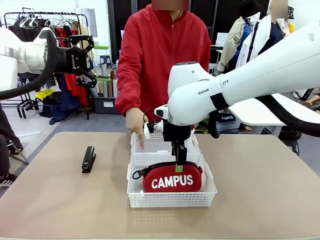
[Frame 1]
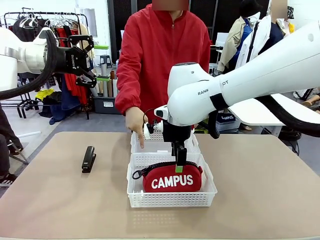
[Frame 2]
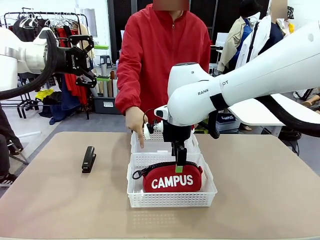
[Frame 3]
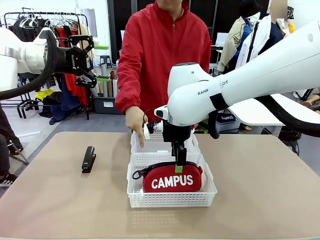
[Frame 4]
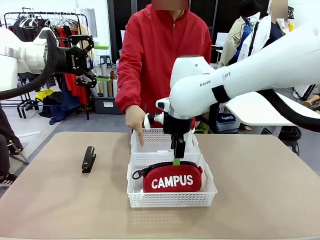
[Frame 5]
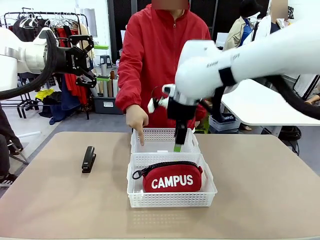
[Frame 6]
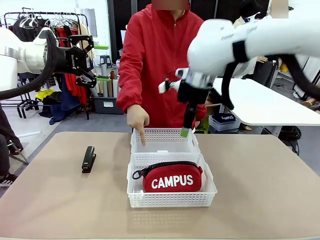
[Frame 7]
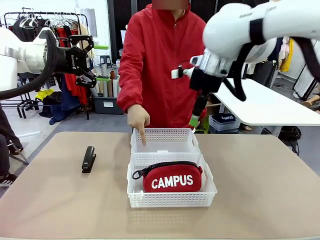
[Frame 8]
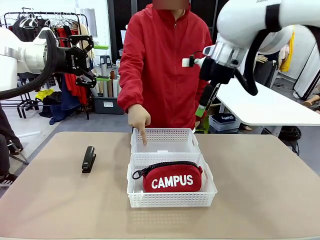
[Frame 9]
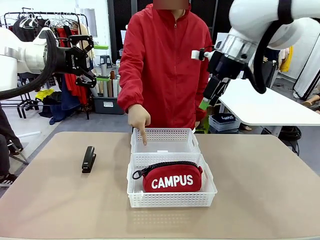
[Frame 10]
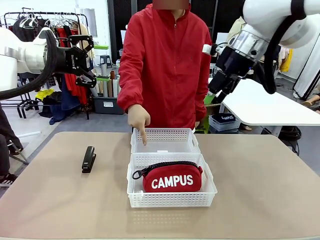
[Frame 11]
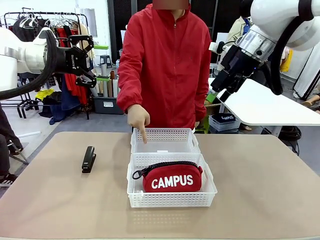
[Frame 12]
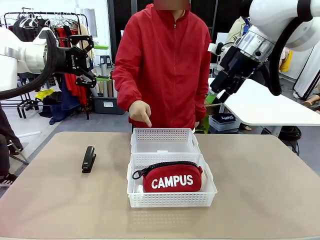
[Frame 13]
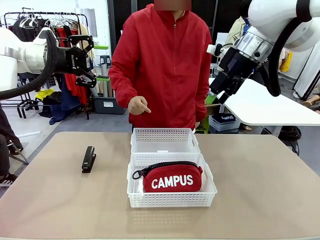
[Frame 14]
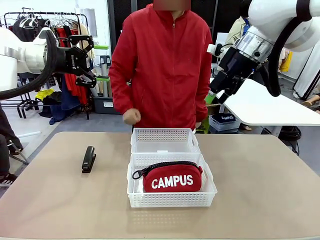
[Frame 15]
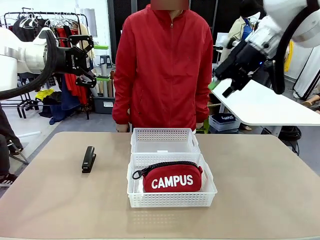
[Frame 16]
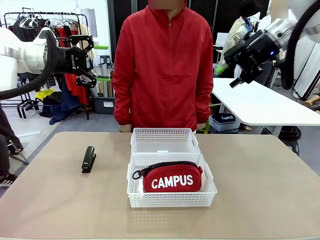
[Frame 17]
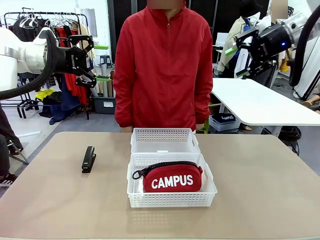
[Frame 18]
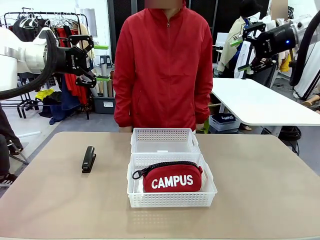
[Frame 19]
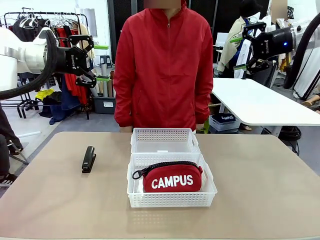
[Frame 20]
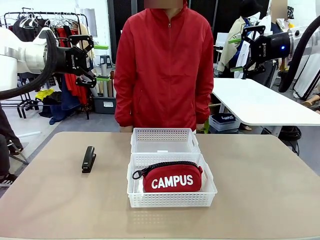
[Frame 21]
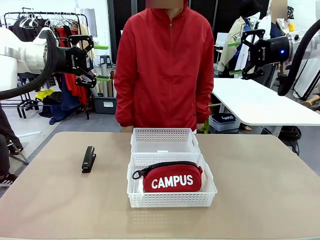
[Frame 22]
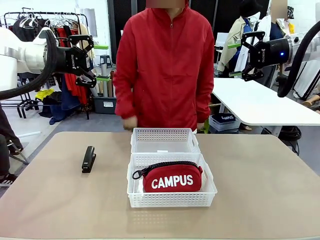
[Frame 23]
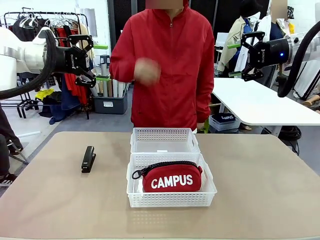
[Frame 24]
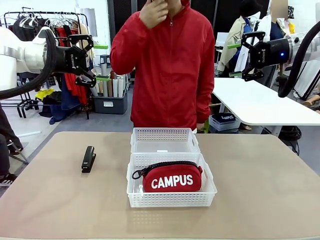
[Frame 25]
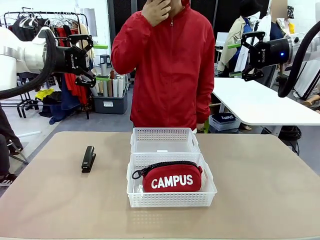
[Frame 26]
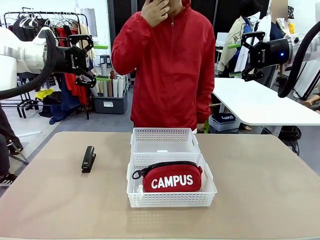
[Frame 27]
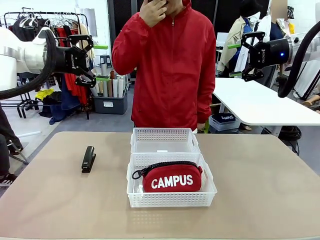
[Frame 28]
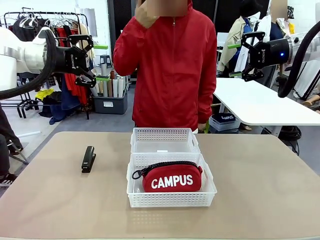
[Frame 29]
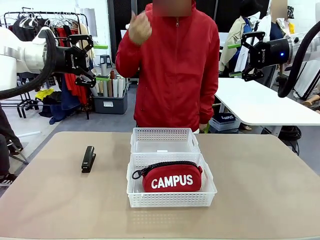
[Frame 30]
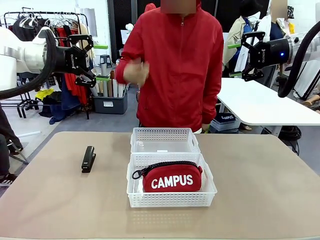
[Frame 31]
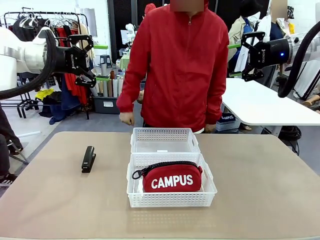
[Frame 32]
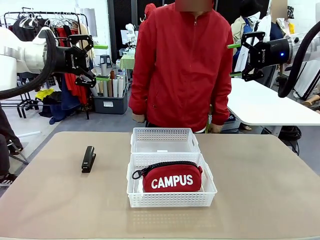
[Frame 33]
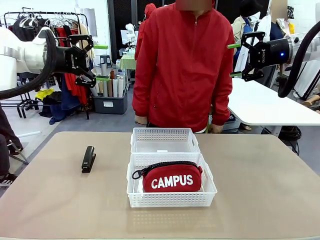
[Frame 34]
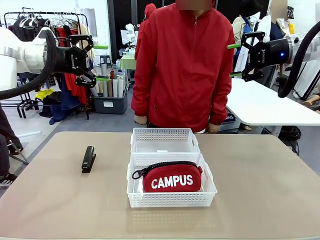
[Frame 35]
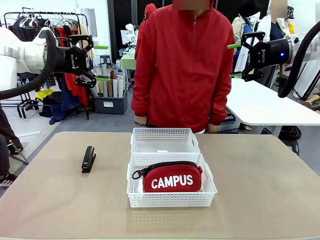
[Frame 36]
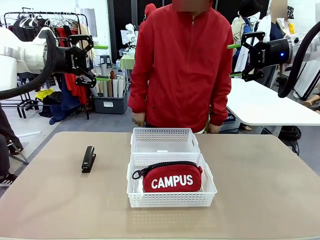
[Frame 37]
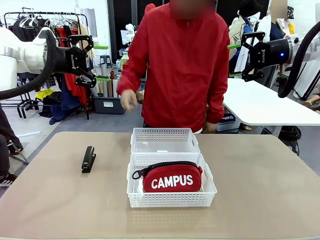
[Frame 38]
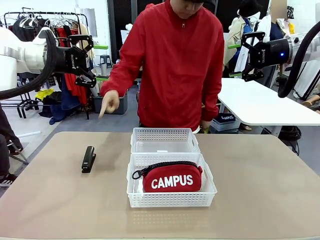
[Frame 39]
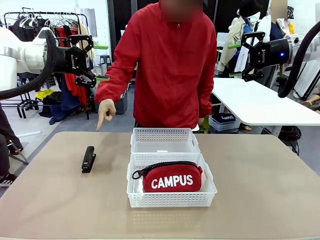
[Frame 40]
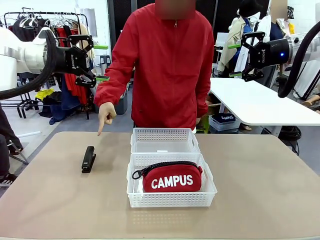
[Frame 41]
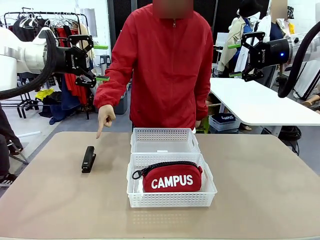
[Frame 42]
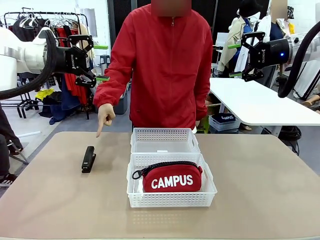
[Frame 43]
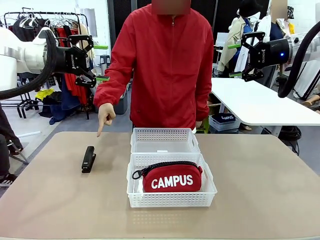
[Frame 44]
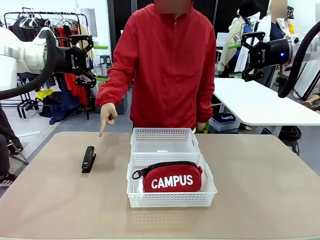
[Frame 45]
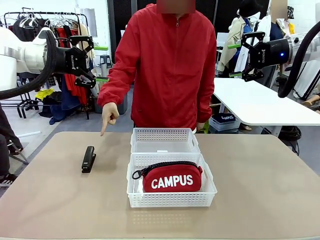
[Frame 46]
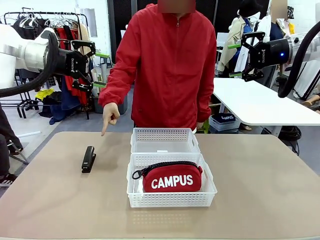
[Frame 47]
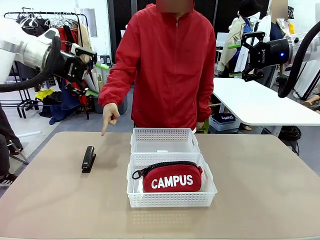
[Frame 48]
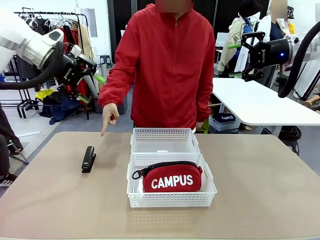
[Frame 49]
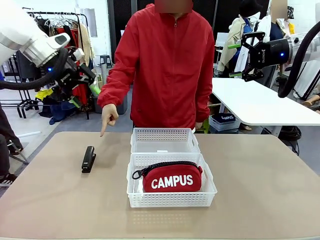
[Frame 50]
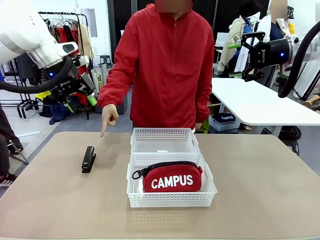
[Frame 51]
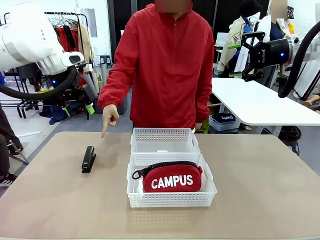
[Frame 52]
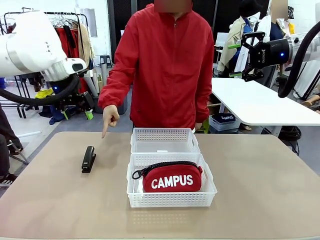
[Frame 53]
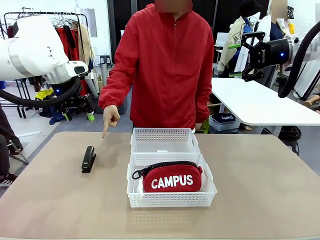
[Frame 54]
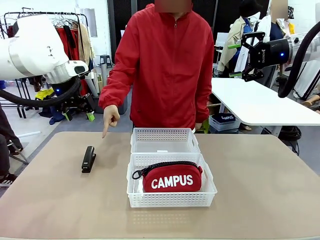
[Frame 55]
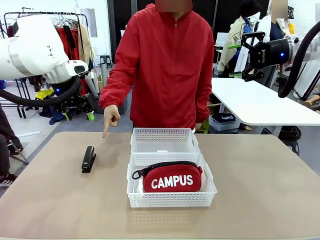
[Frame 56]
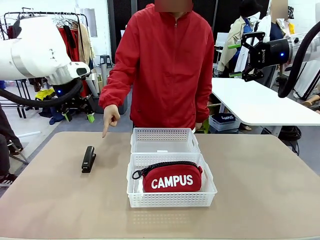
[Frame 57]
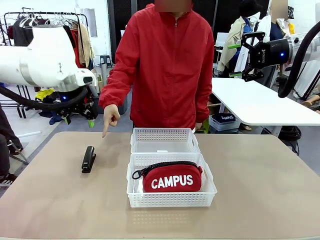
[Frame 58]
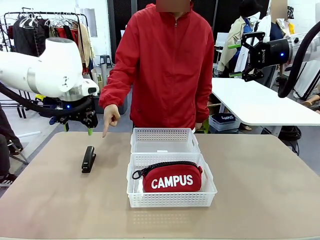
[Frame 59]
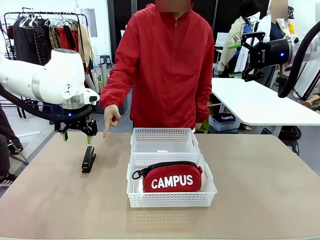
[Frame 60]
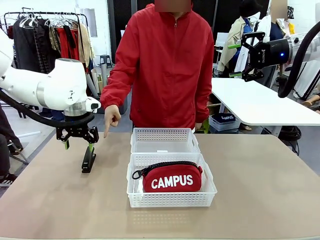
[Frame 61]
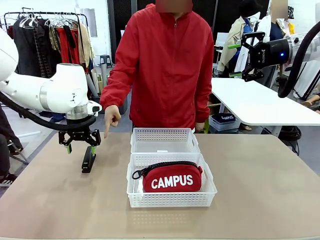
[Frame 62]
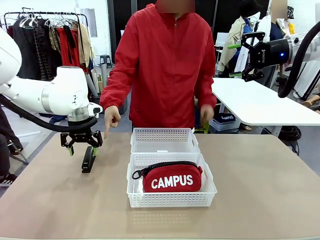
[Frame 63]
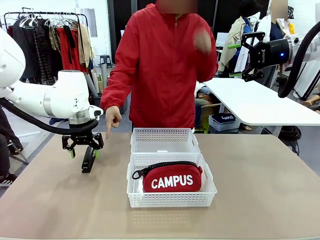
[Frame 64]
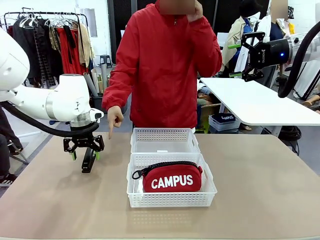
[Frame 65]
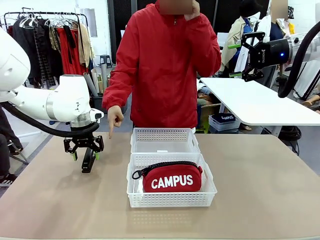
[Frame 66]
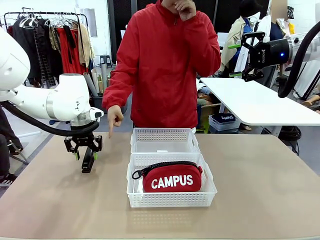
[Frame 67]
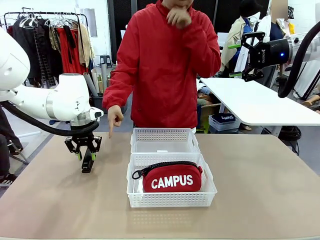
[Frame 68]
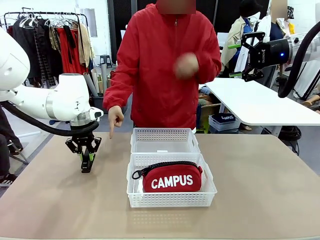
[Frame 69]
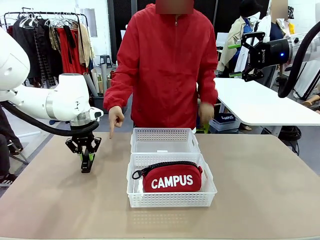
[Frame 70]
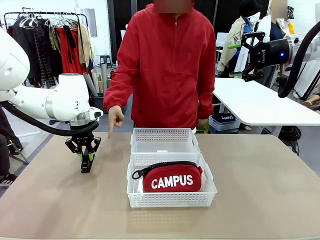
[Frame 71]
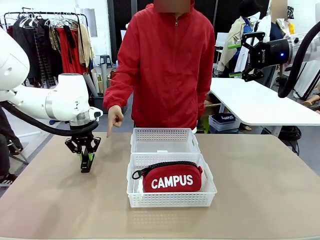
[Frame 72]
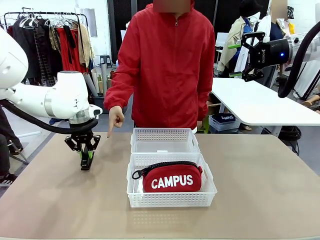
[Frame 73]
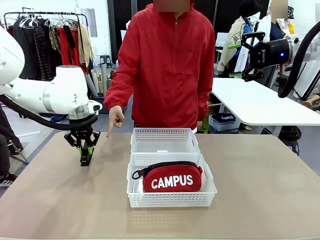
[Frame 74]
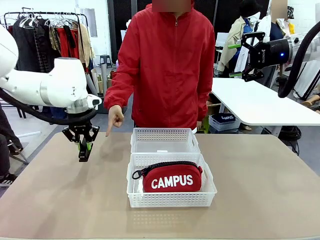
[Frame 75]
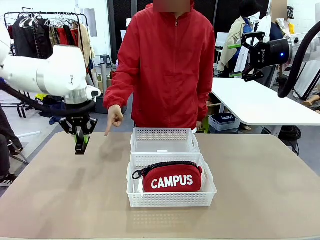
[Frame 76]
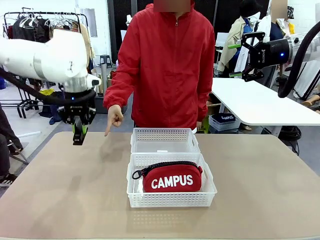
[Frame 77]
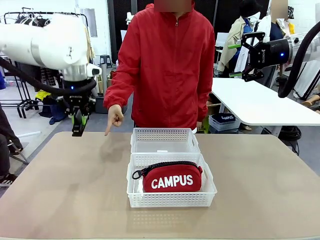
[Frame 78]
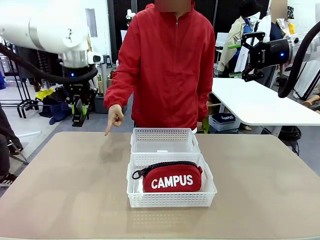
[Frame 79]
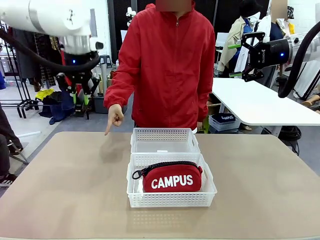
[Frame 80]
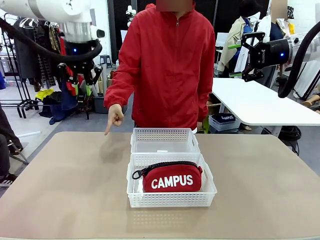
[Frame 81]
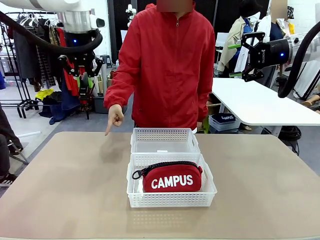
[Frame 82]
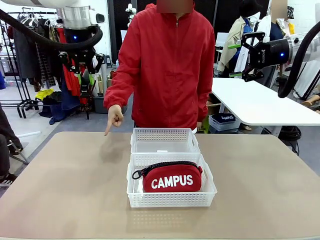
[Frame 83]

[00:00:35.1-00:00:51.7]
Task: Distribute items into two baskets.
Robot: Pick up the Stapler that the person points to.
Person: Points to the stapler.
